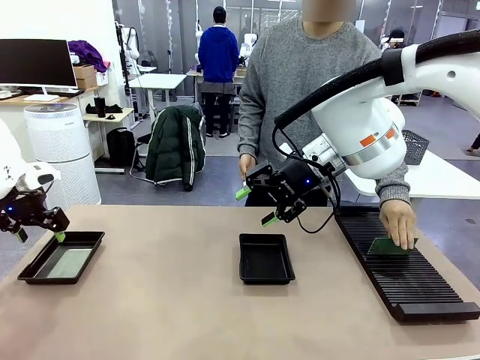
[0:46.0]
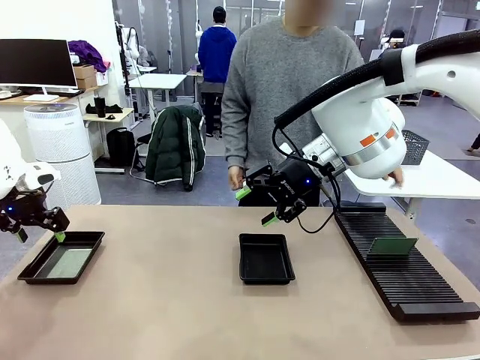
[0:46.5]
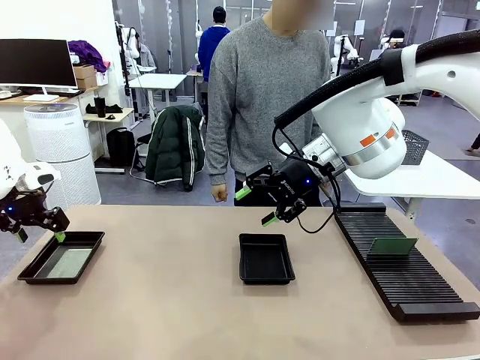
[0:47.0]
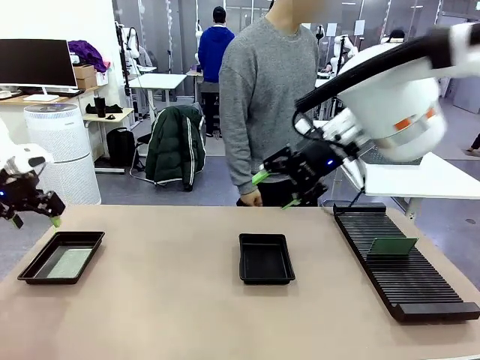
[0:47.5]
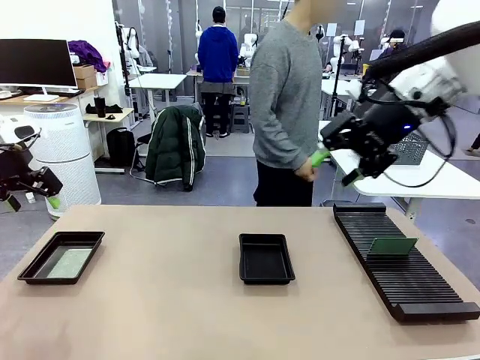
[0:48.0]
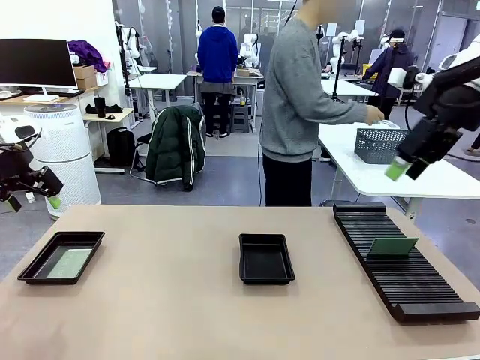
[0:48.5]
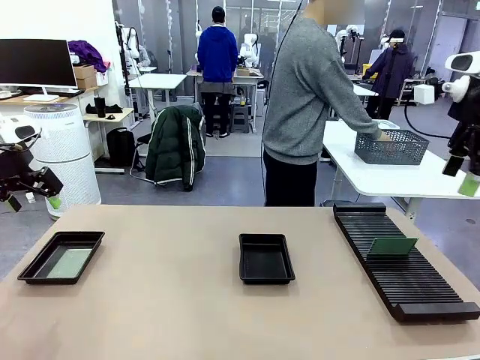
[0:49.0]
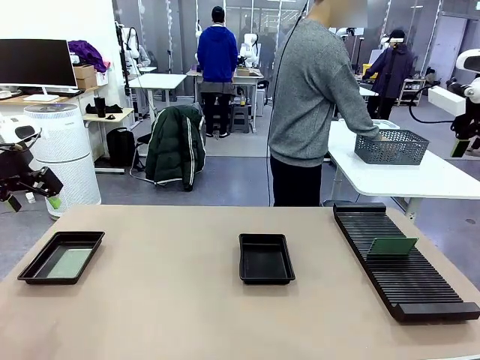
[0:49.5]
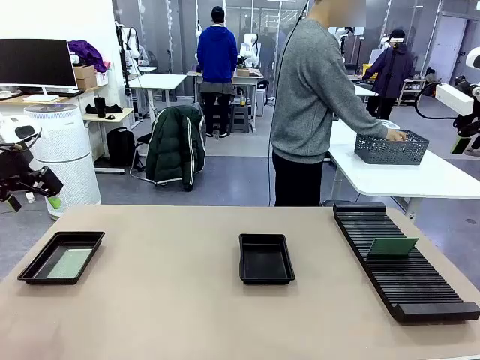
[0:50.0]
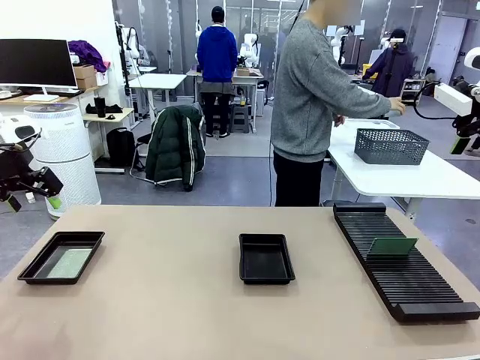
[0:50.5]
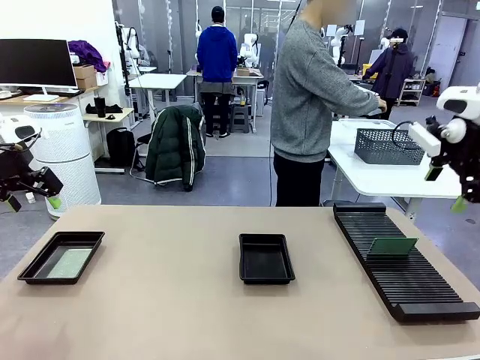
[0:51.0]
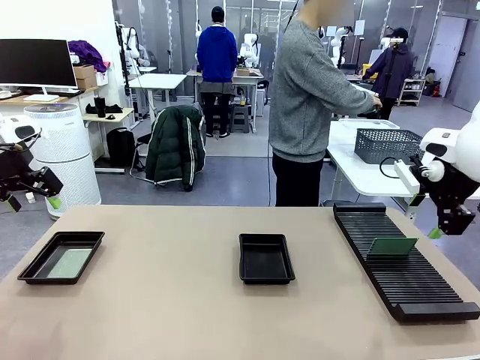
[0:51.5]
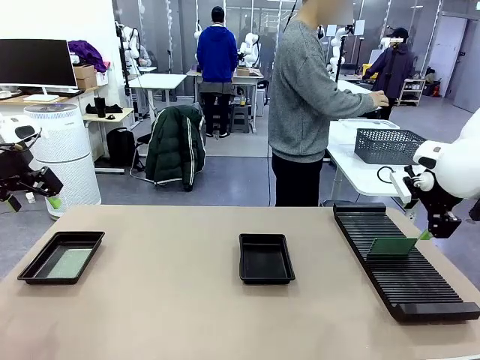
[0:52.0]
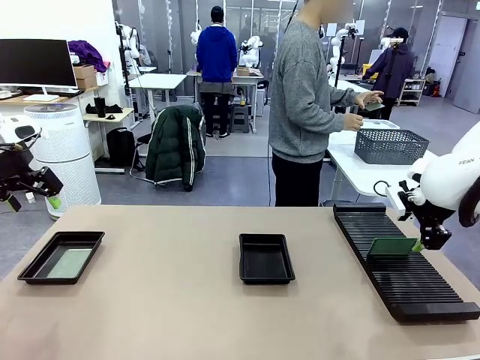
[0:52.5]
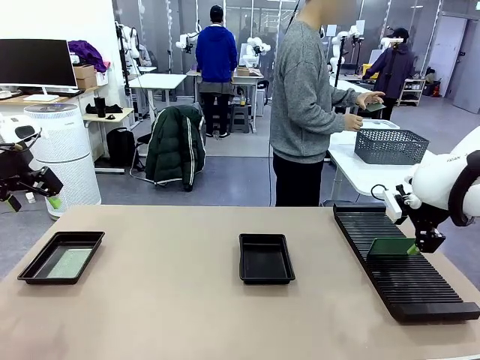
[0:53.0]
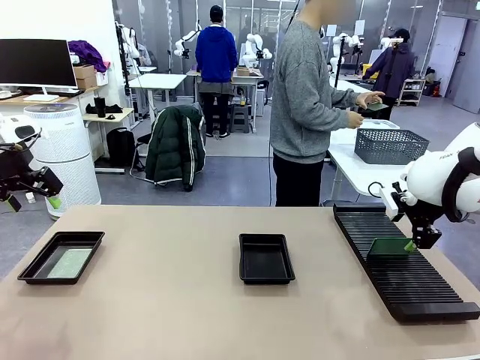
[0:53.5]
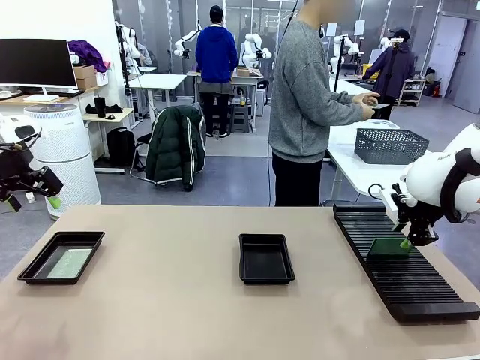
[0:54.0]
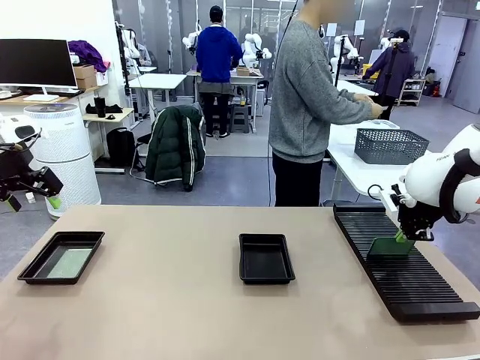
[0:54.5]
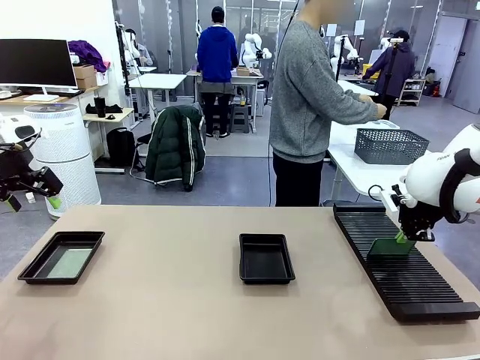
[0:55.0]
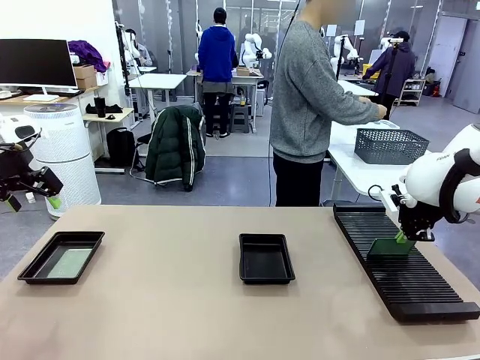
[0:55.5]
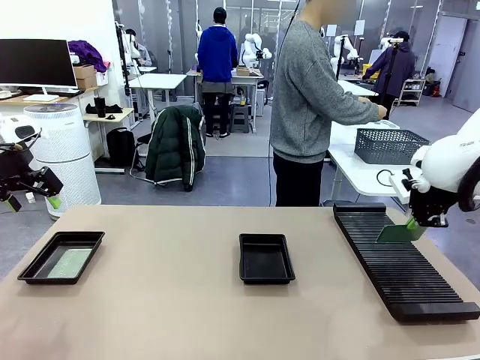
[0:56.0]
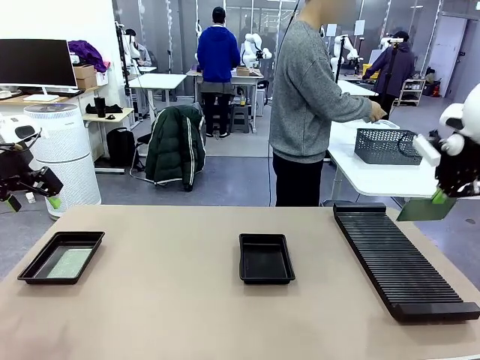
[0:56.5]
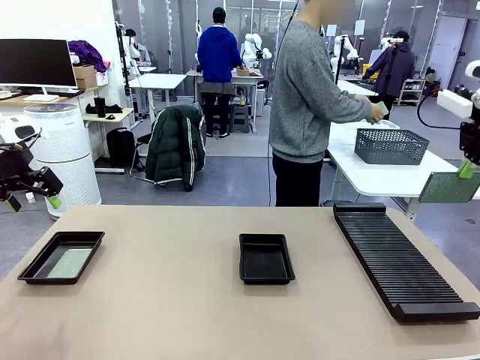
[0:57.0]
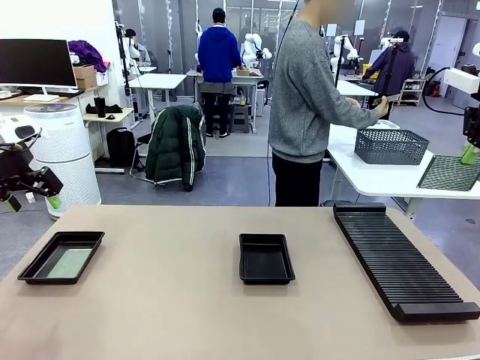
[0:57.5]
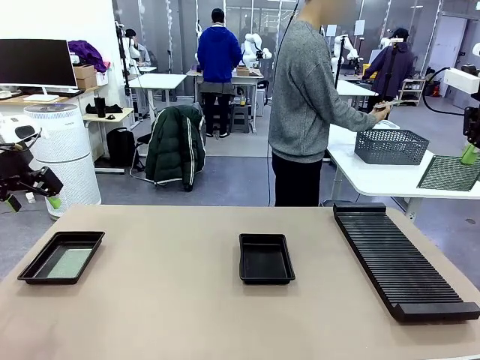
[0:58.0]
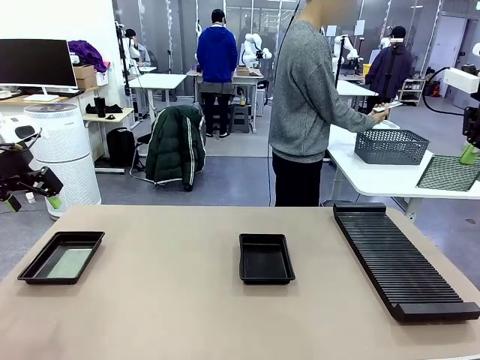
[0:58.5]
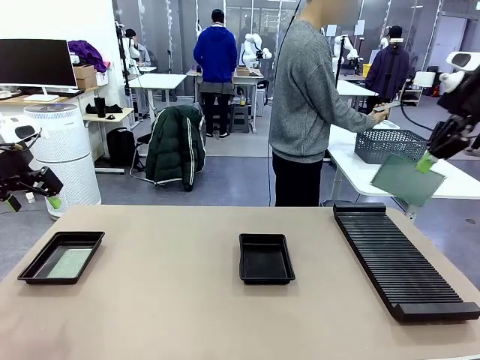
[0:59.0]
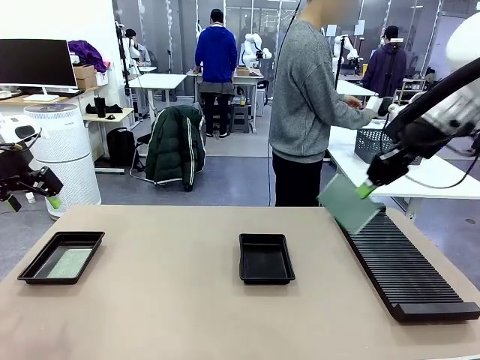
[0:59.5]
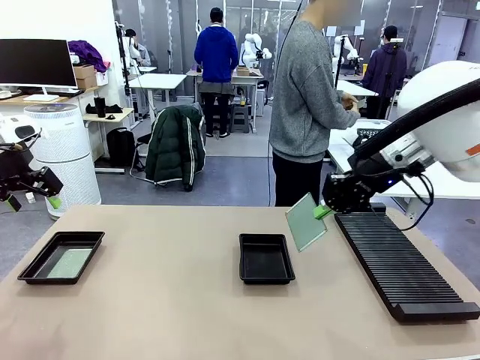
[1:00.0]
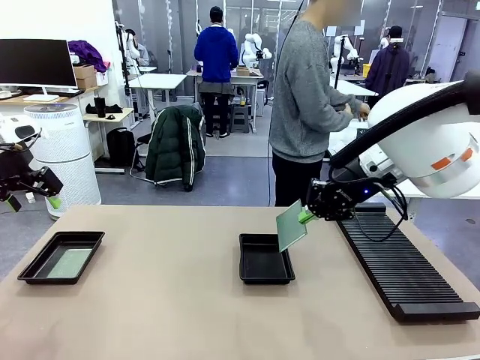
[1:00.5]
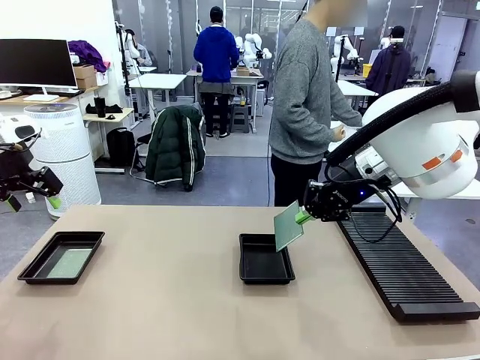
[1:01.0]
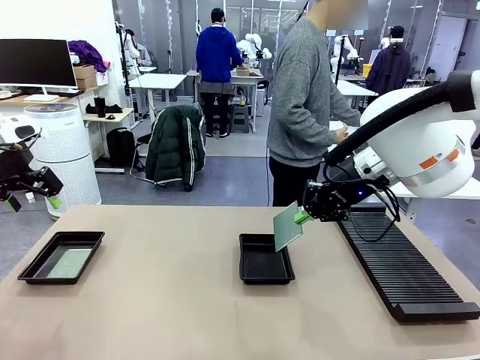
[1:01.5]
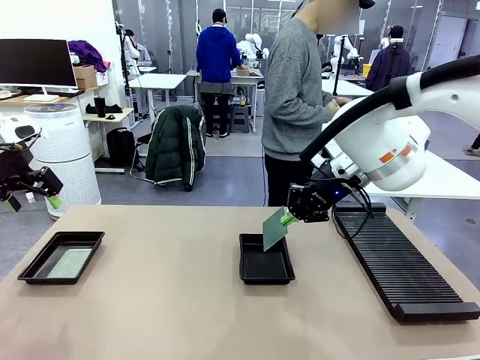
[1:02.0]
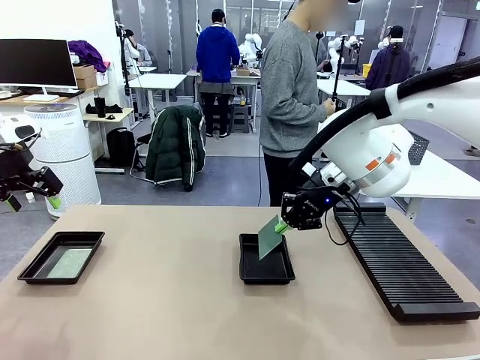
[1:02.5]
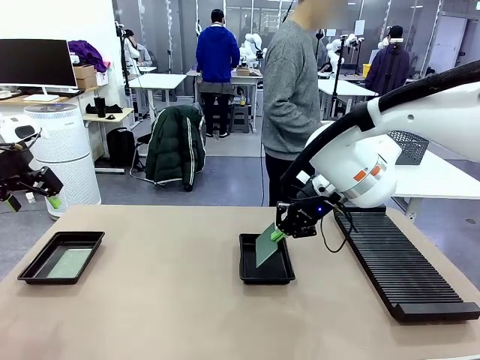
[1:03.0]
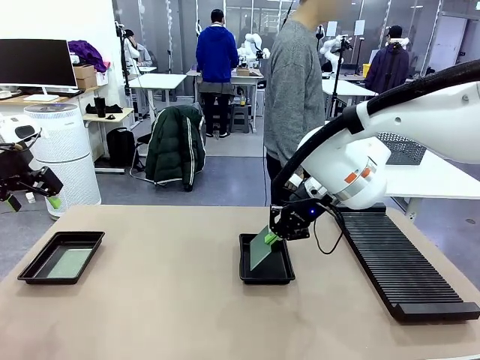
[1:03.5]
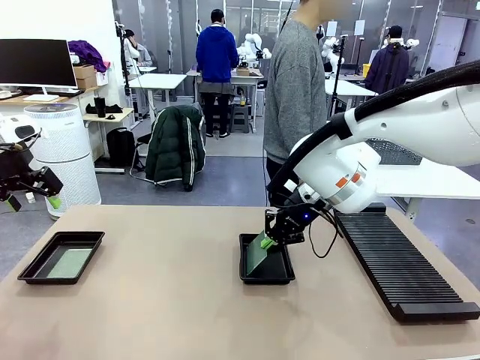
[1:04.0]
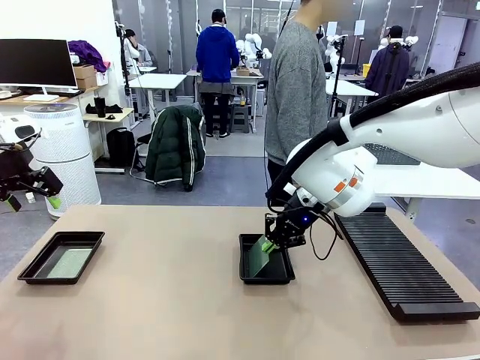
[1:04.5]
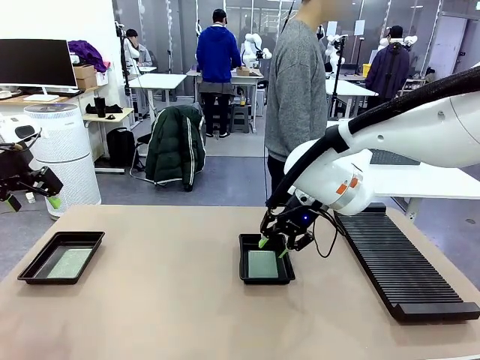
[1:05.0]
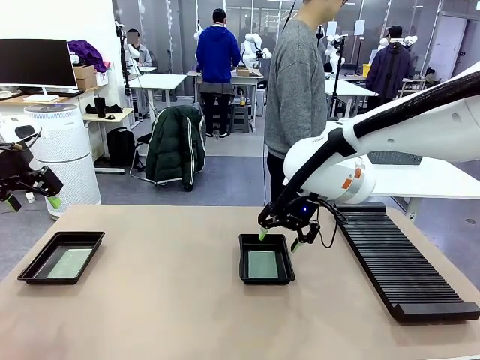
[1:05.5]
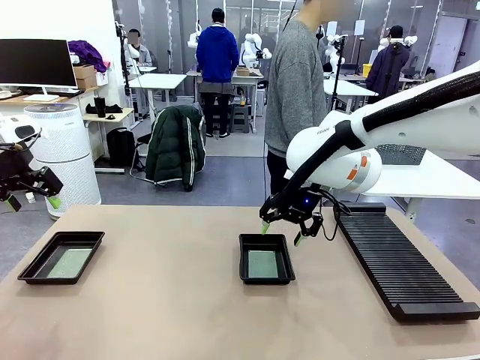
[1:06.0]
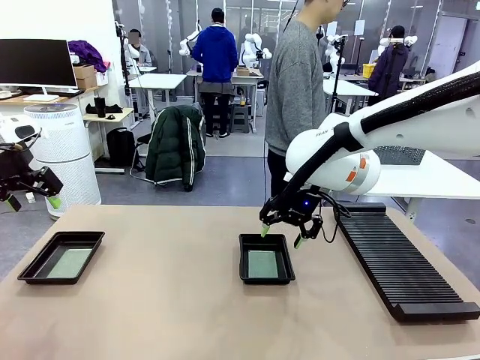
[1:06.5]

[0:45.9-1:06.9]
Task: Inspect and transfer BCBs to ESD trays.
Robot: Pick up the Blank PCB from the PCB Rack and place it in the right ESD tray.

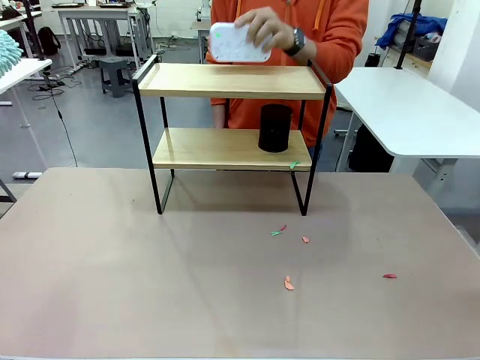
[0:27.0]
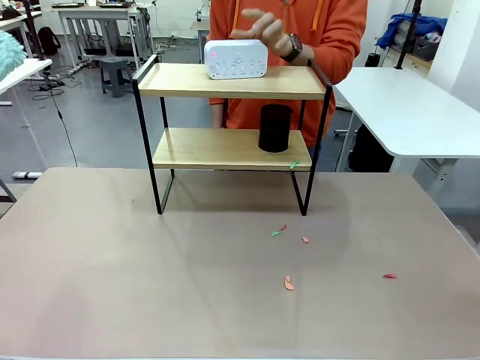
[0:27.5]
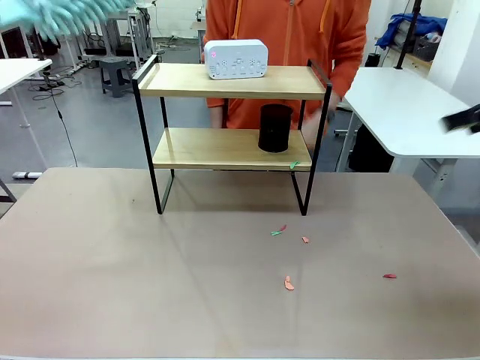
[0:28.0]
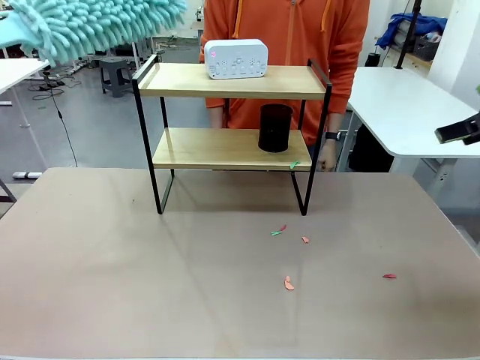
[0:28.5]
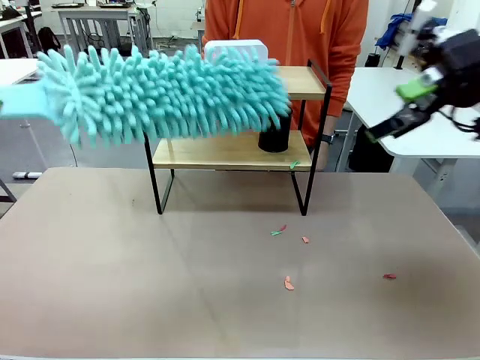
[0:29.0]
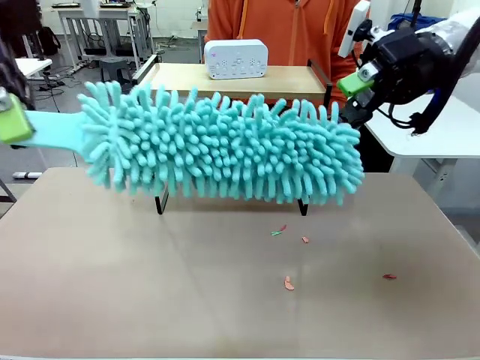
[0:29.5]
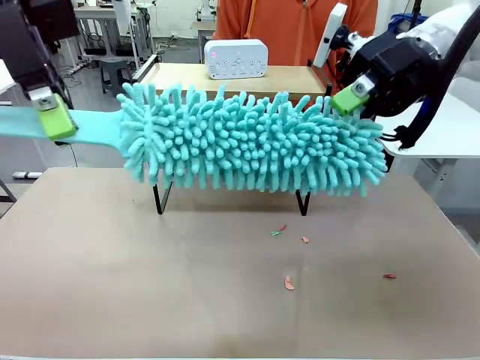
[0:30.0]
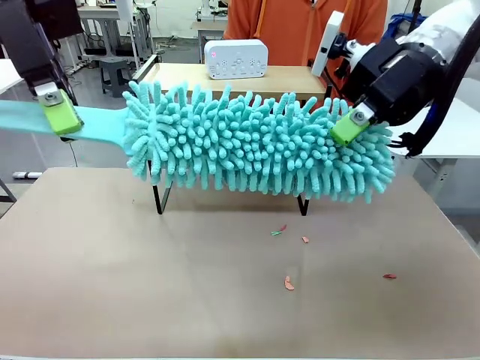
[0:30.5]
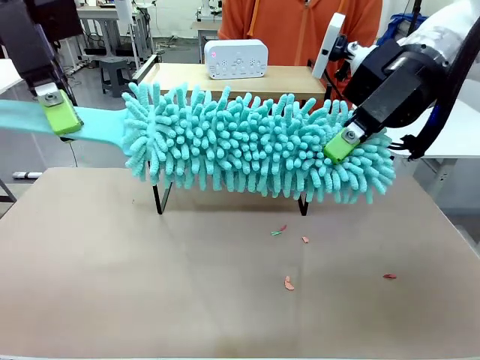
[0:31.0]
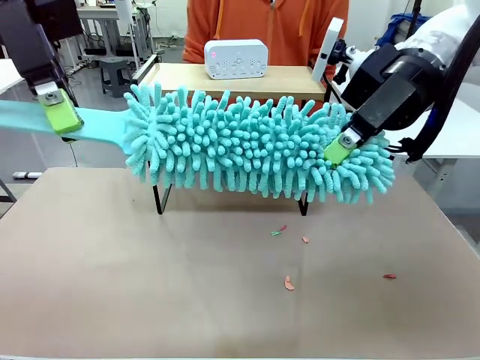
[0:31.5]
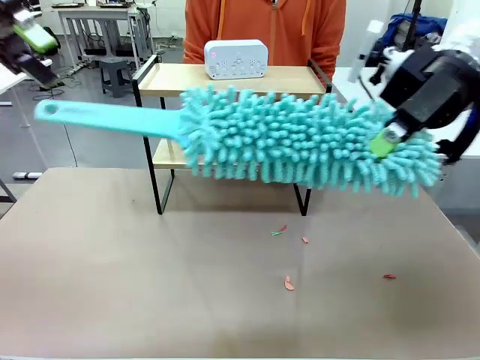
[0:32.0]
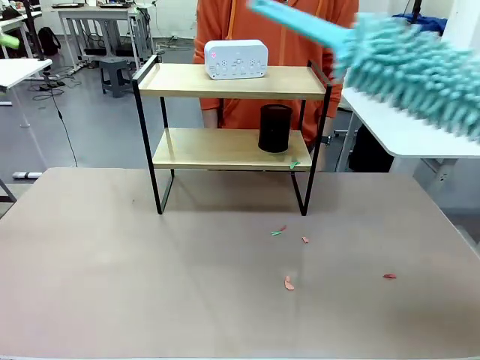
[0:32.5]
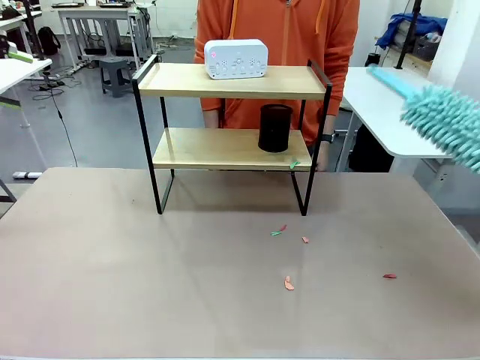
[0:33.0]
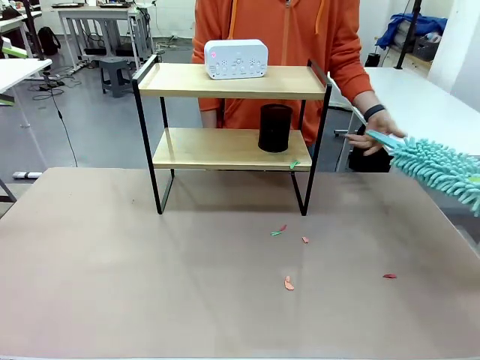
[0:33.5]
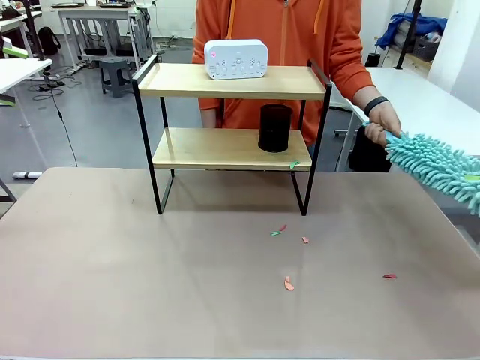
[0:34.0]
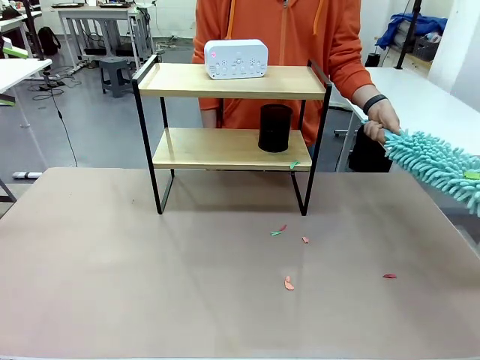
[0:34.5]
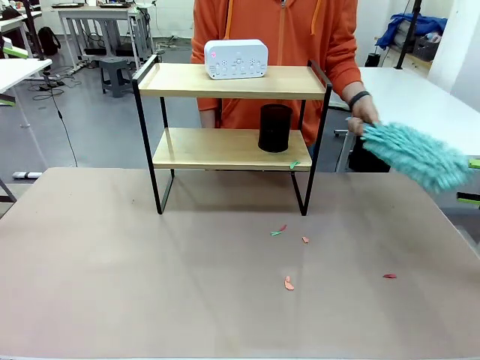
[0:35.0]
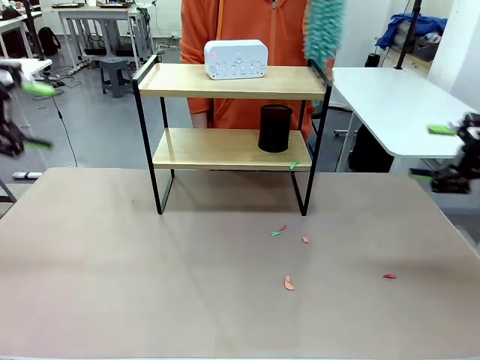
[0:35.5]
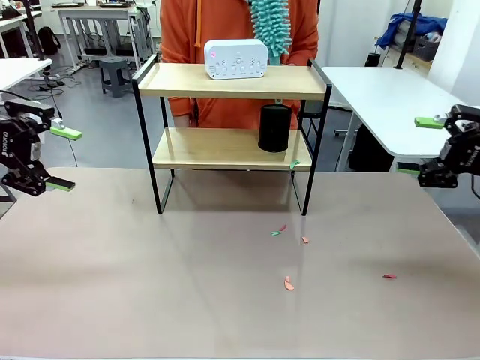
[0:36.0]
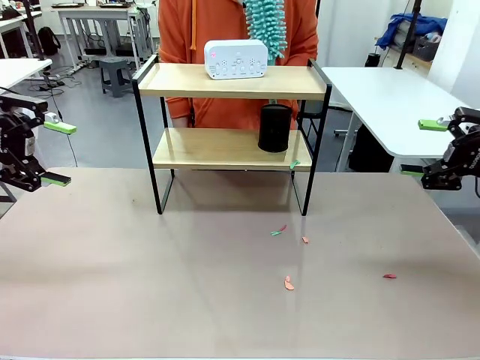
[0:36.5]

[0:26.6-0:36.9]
Task: Clean the shelf.
Robot: Hand the Duster back to the human.
Person: Receive the Duster from the robot.
